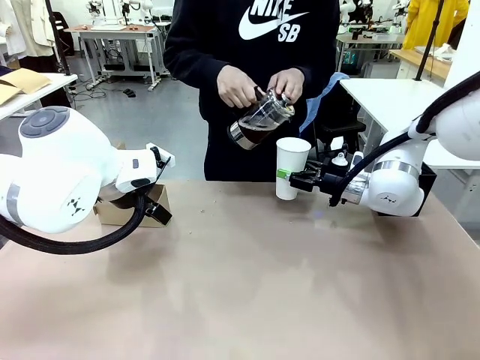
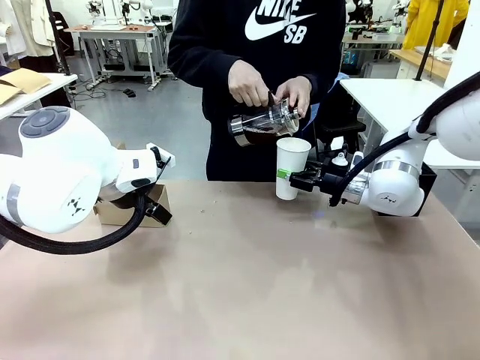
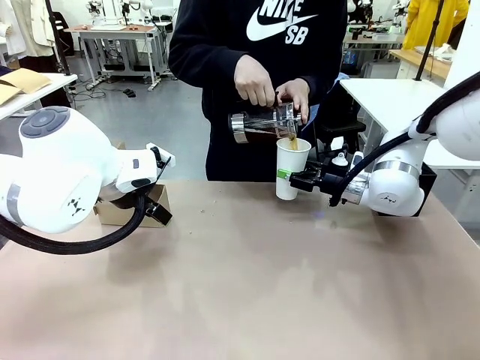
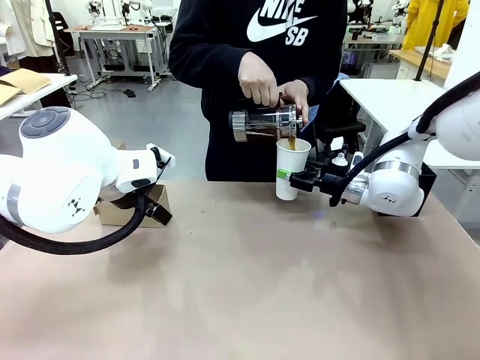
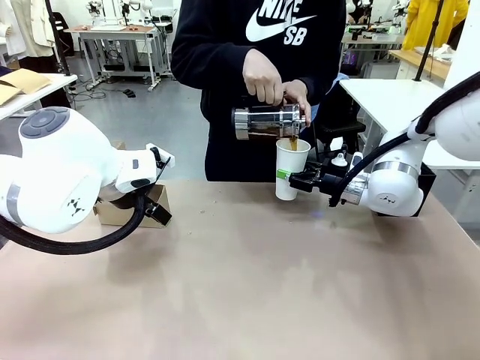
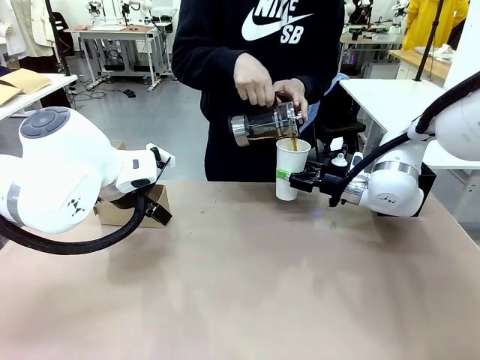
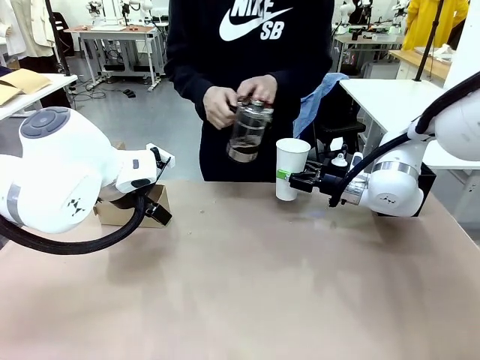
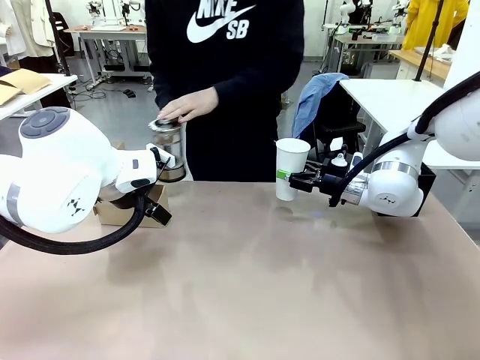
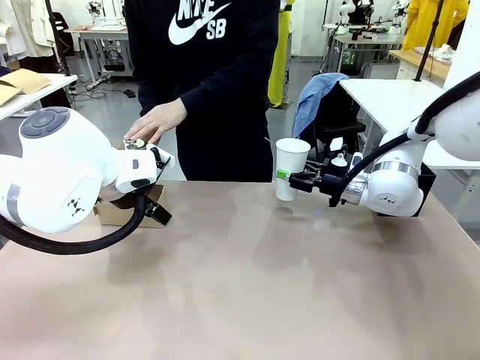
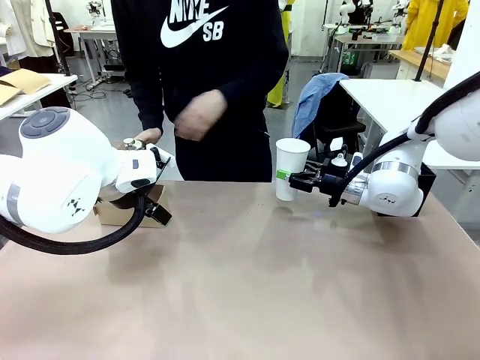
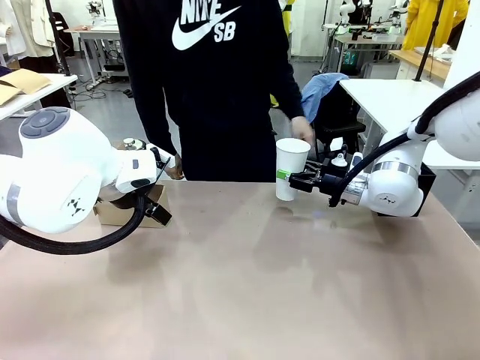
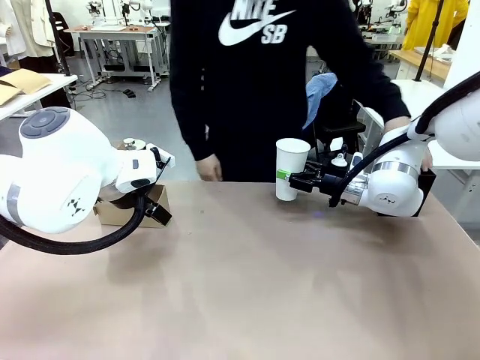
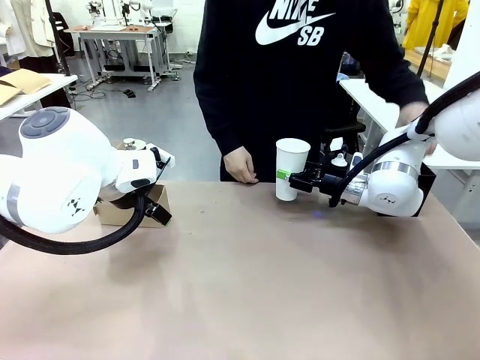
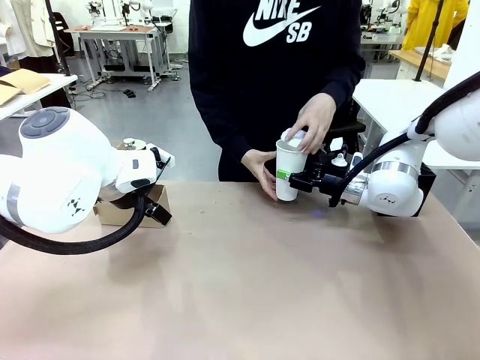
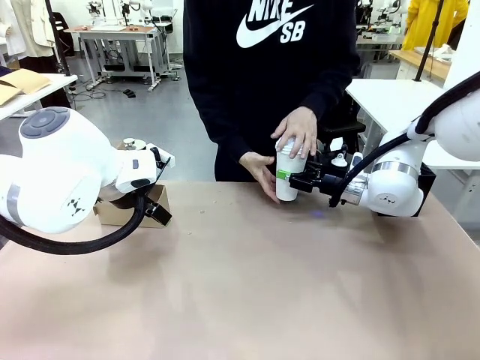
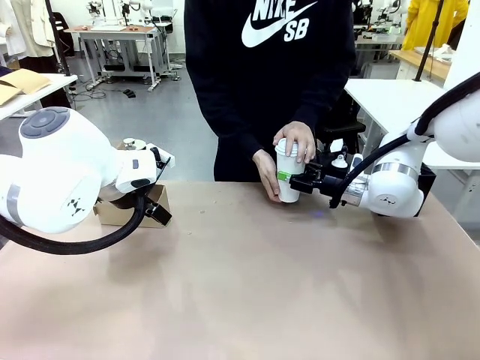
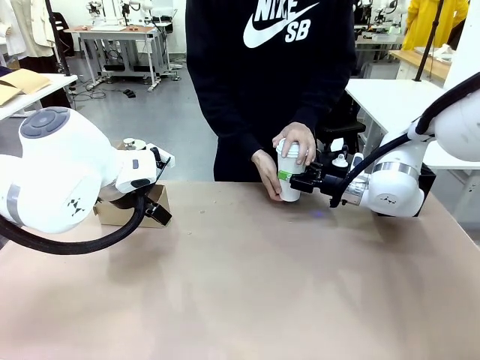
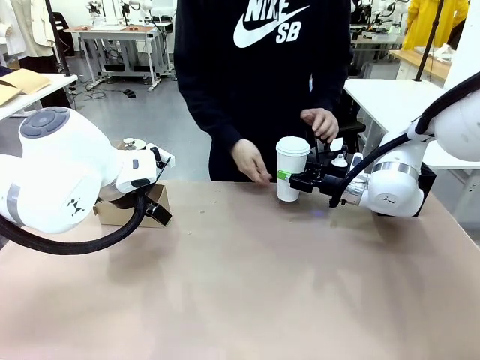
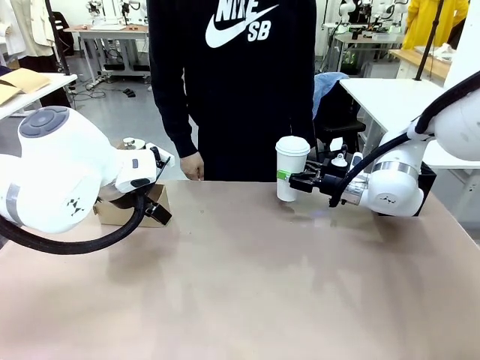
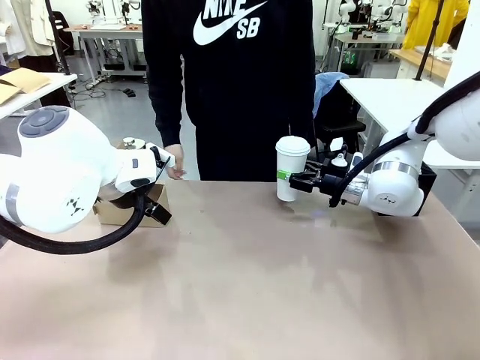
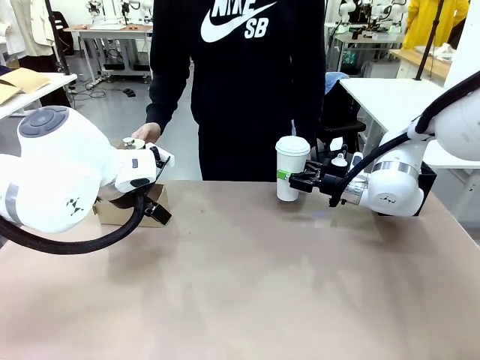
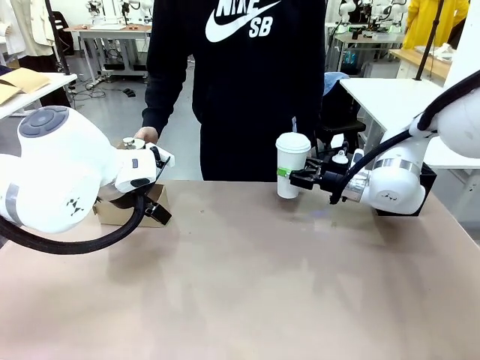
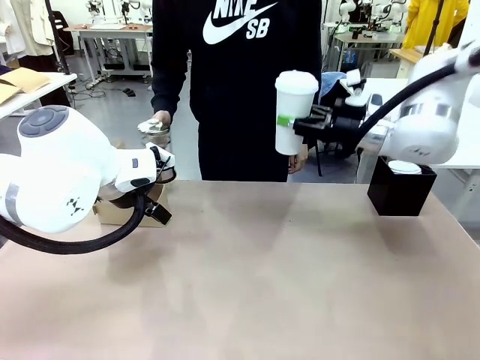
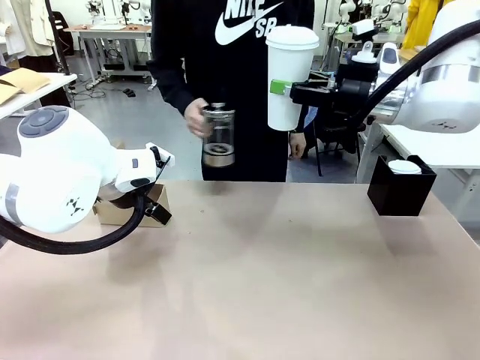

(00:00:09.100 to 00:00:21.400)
Task: Pour a drink into a cup and package it in a carrier.
Robot: When a person places the Paper Cup Lid on the 600 ml Paper Cup , lift the 600 ml Paper Cup.
Person: Pour the drink from the Filter Brewing into the 600 ml Paper Cup. Place a Paper Cup Lid on the 600 ml Paper Cup.

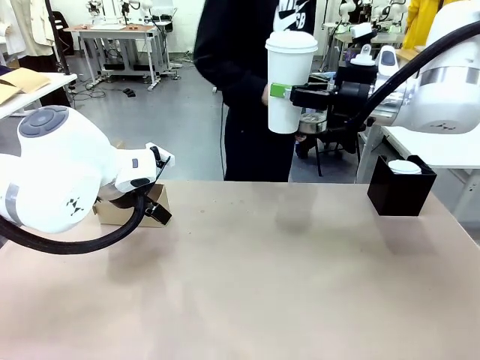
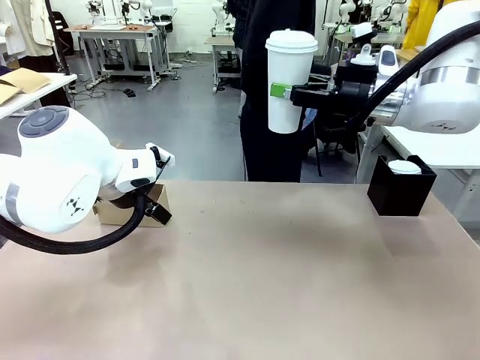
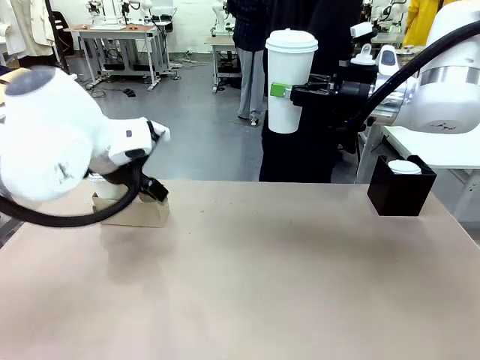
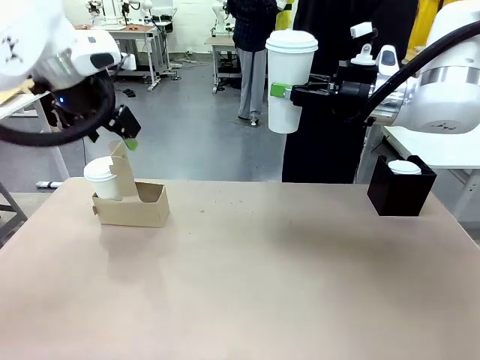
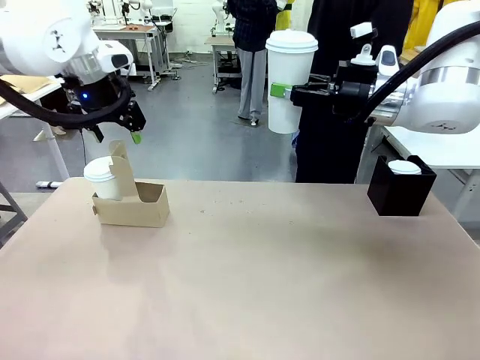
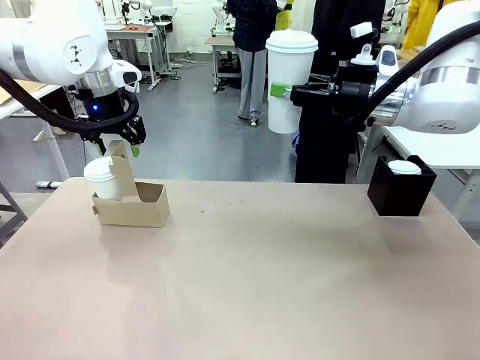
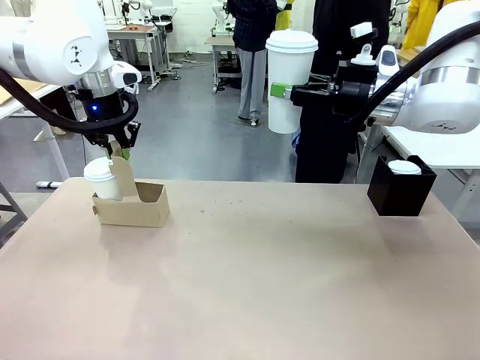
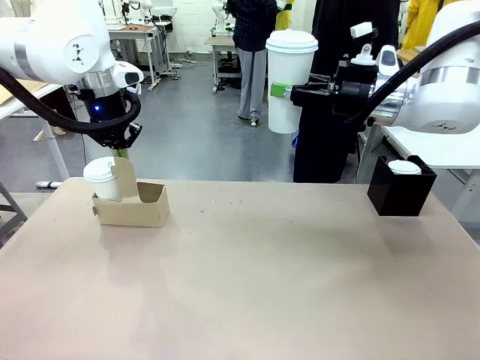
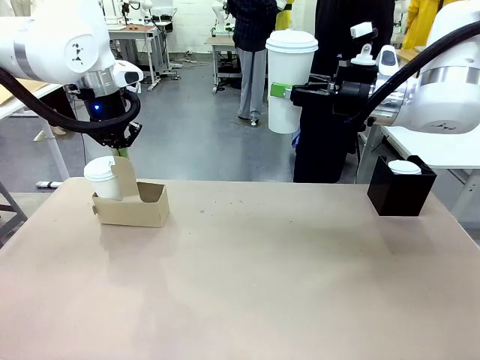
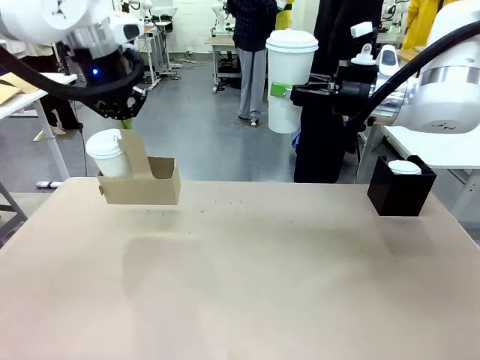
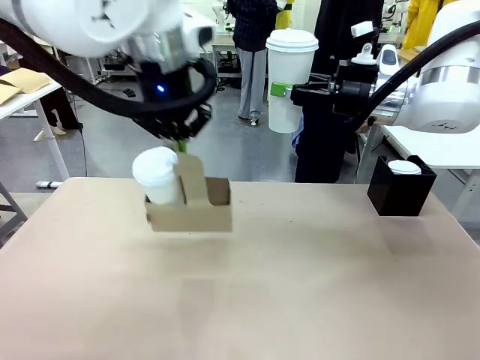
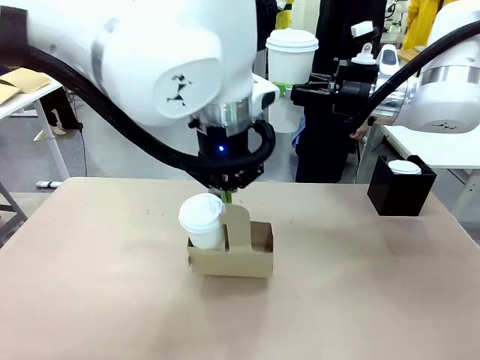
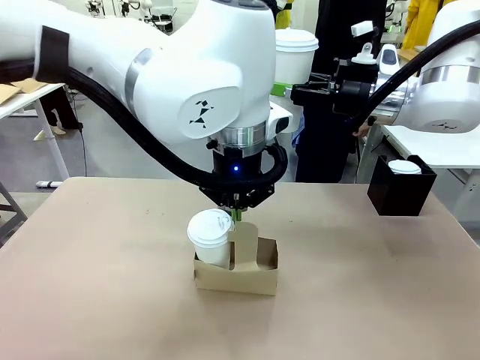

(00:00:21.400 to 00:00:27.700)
Robot: Position the Cup Carrier in the center of the table.

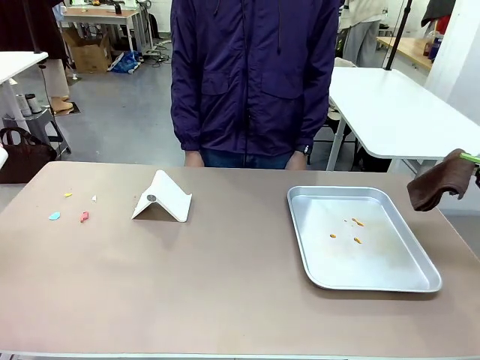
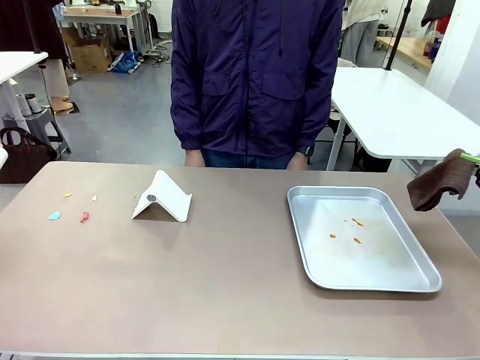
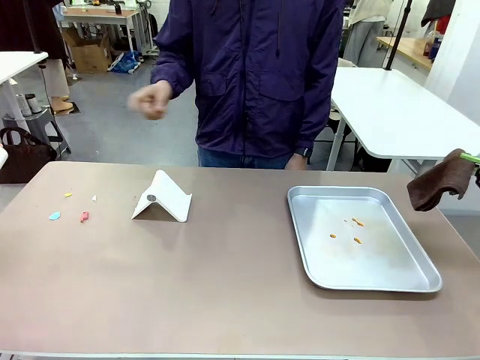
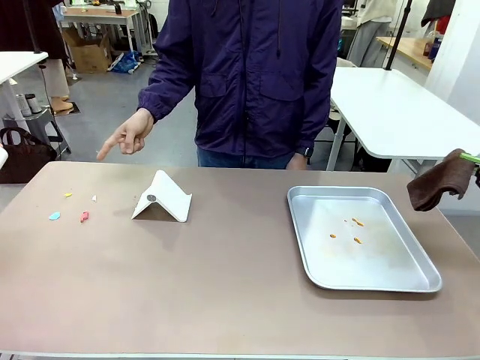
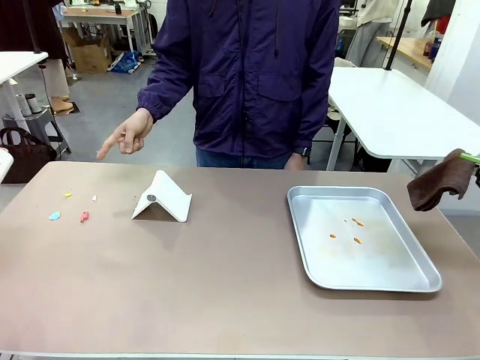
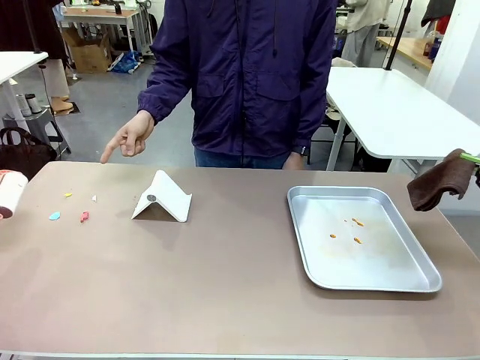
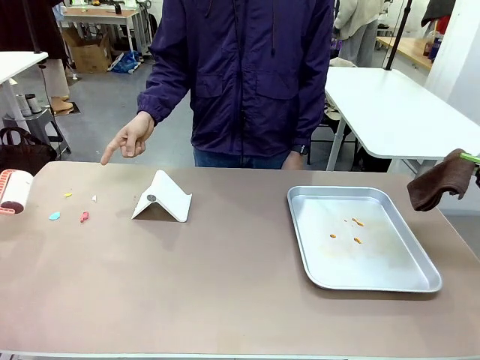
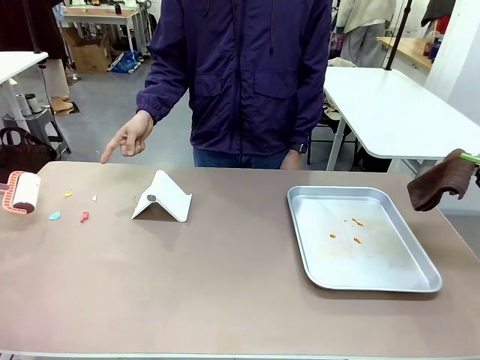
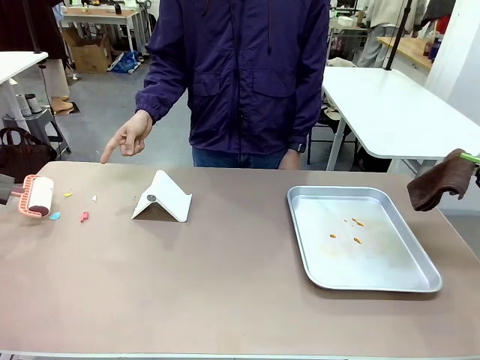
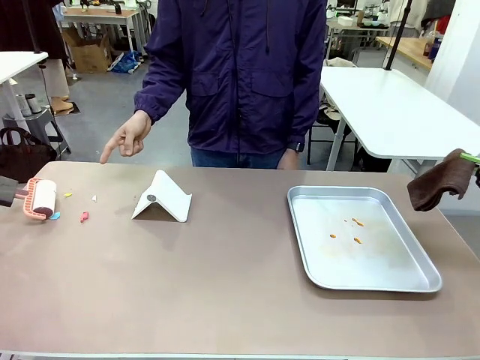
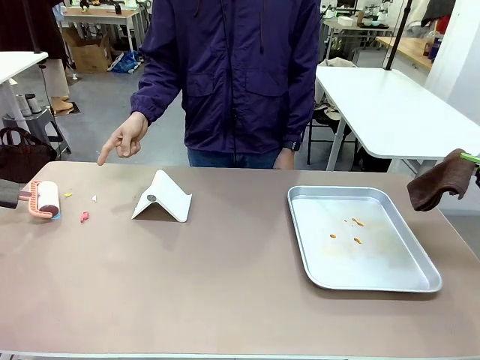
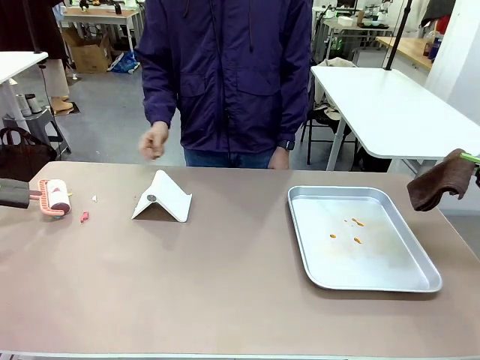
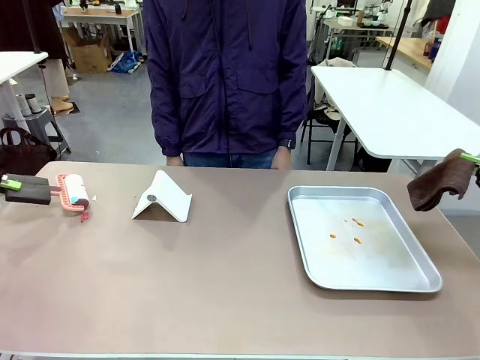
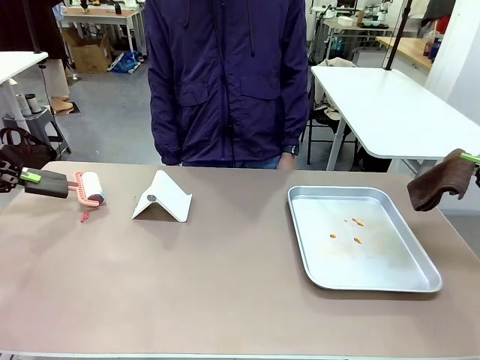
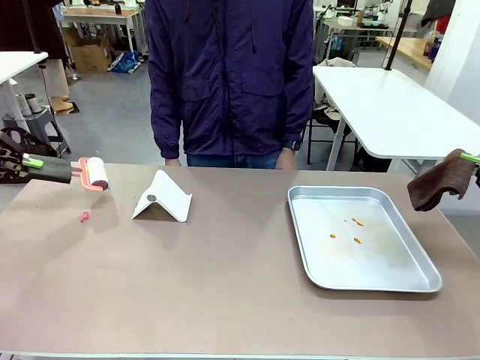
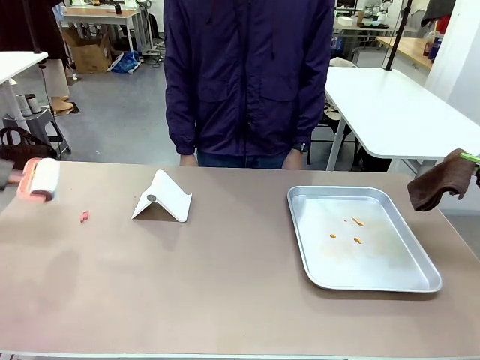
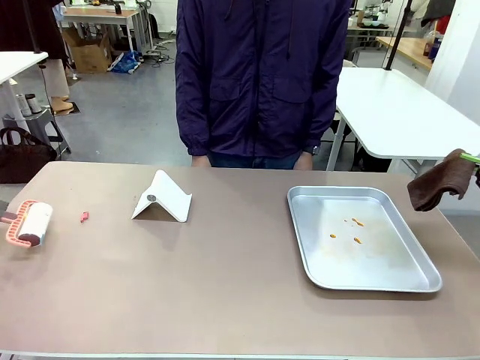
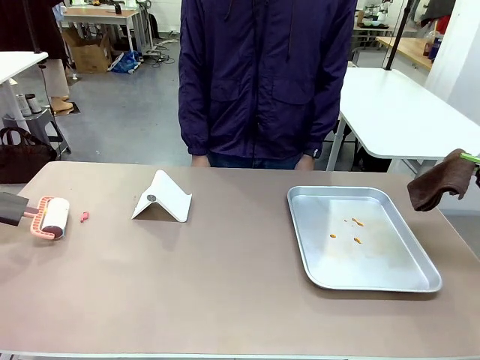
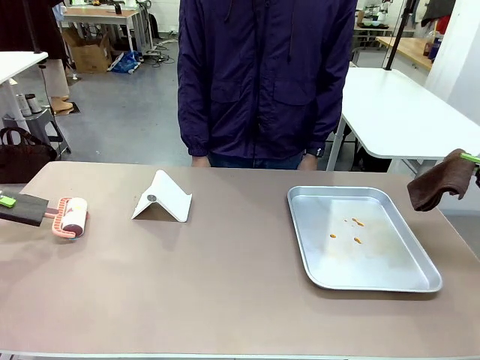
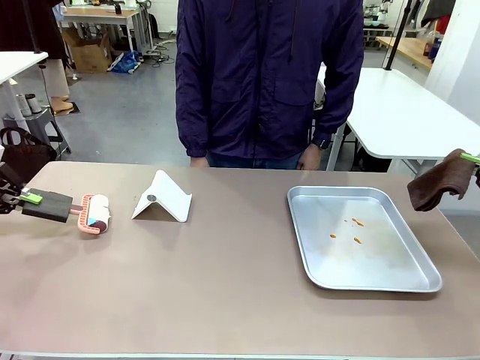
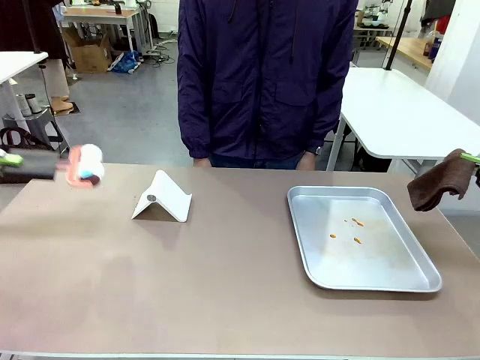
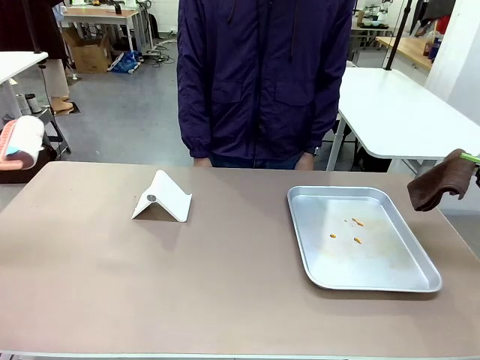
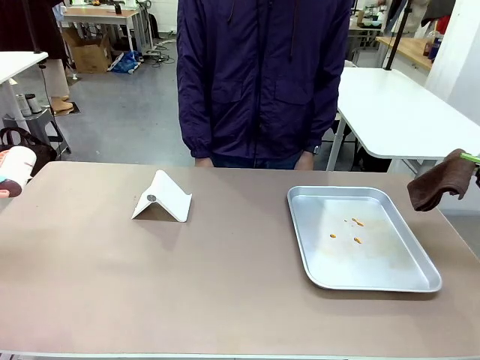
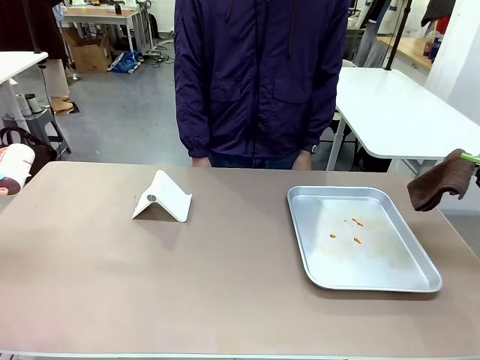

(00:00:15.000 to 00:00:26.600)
Task: Clean the surface of the table.
Robot: If a person points to the right, clean the right side of the table with your right hand, and if they point to the left, clean the left side with your left hand.
